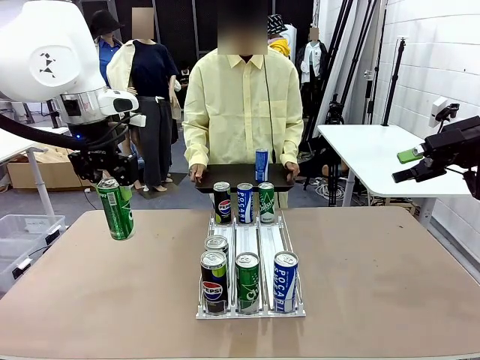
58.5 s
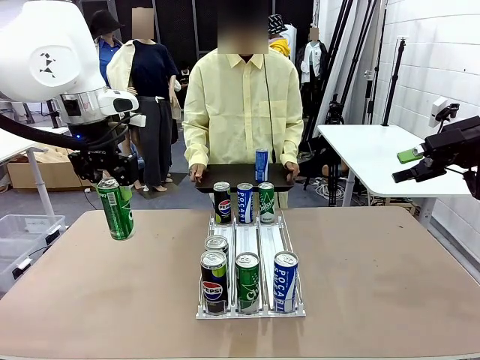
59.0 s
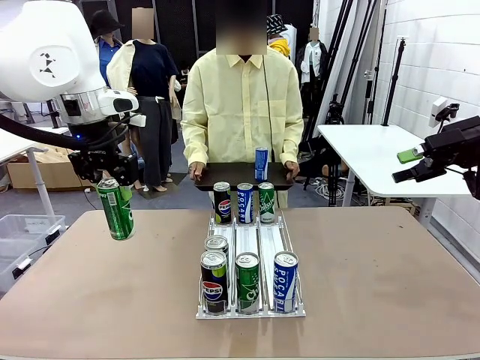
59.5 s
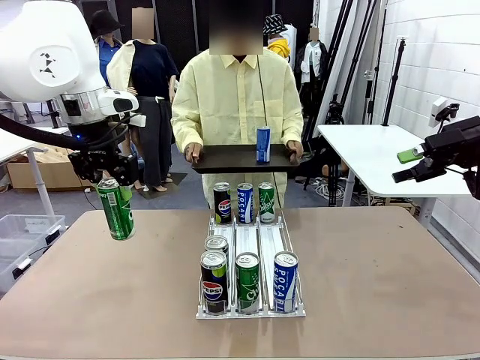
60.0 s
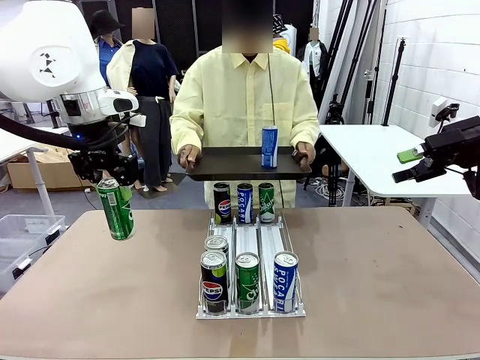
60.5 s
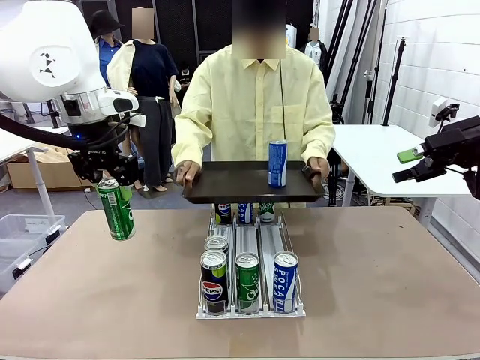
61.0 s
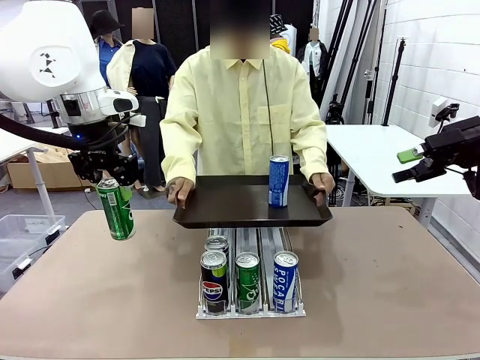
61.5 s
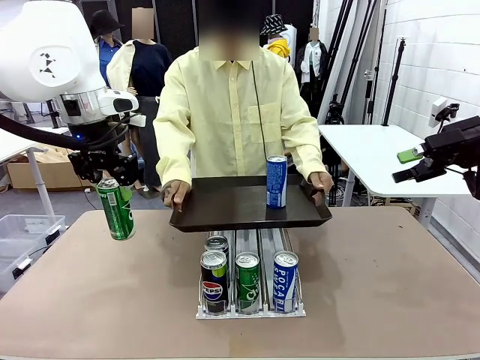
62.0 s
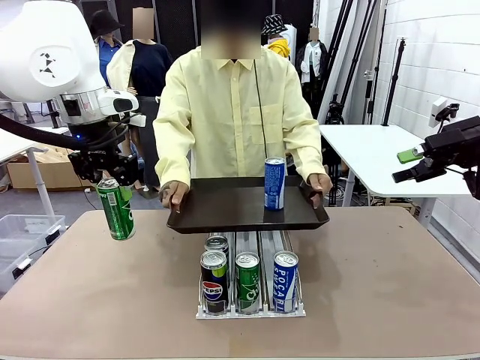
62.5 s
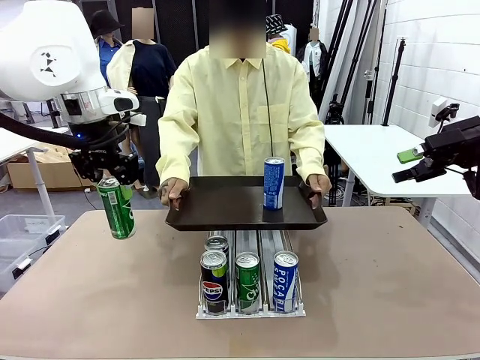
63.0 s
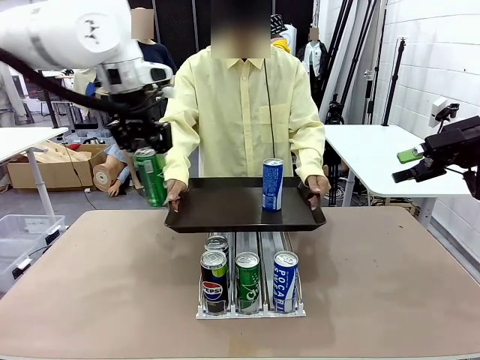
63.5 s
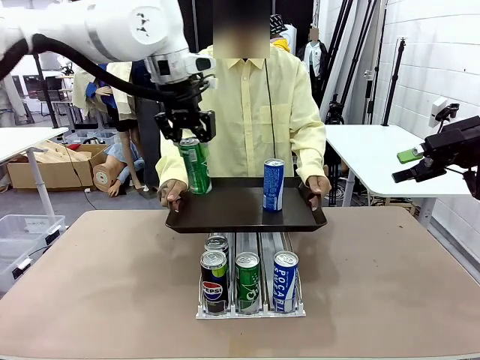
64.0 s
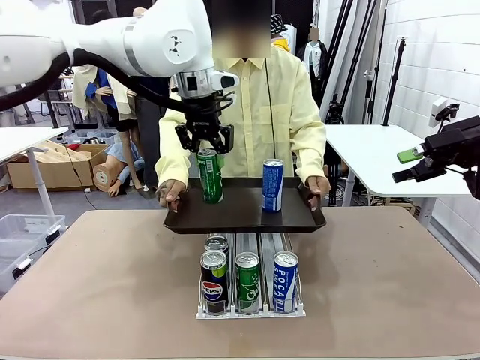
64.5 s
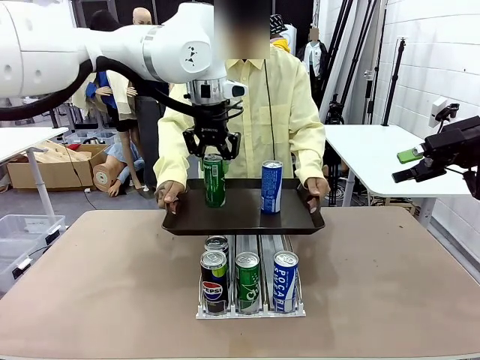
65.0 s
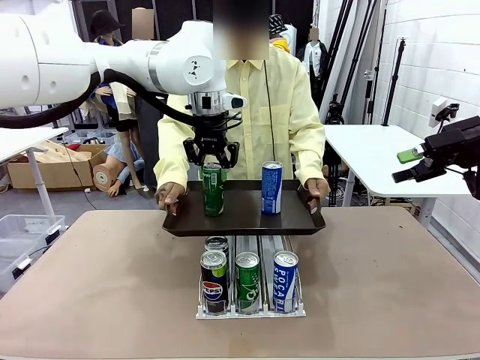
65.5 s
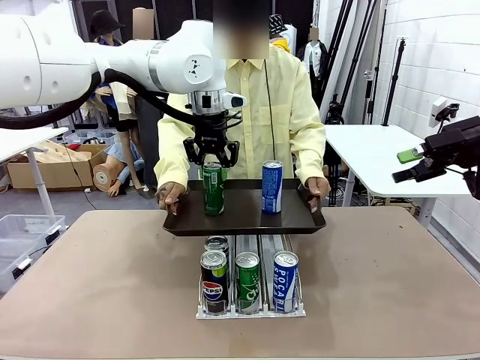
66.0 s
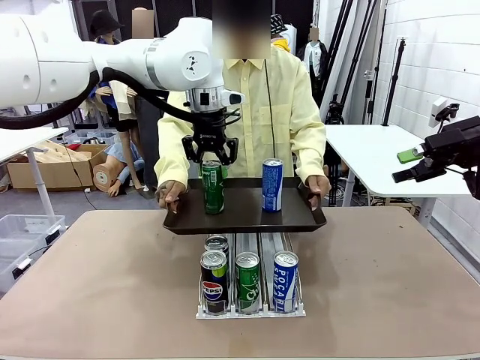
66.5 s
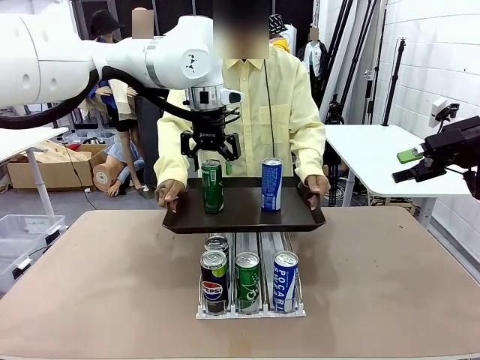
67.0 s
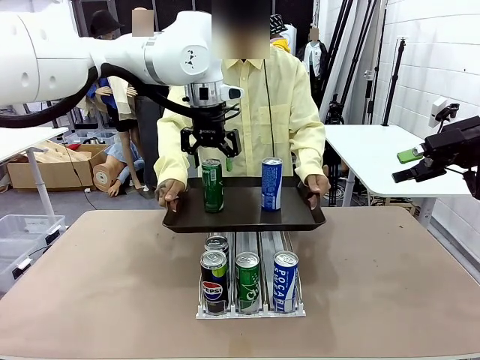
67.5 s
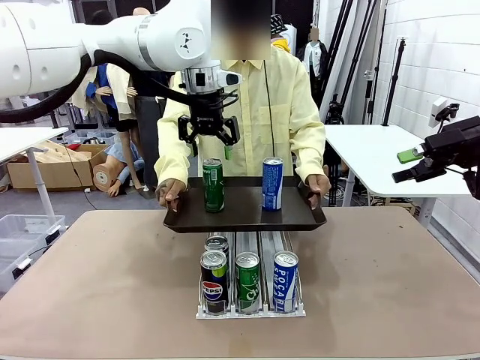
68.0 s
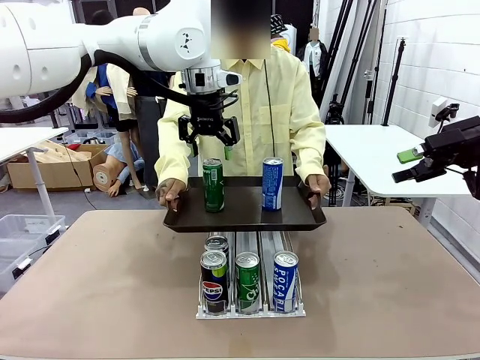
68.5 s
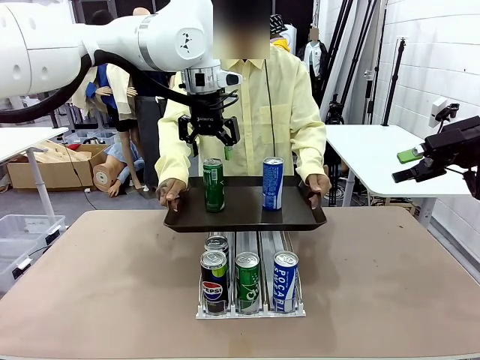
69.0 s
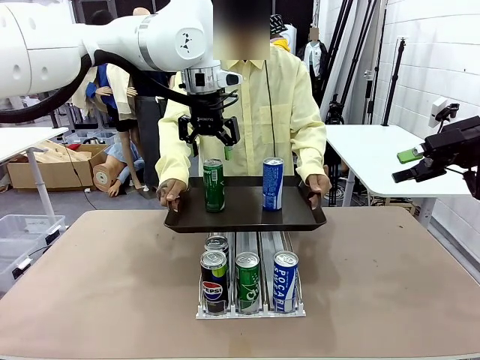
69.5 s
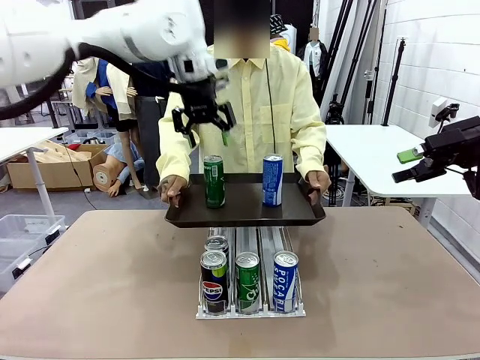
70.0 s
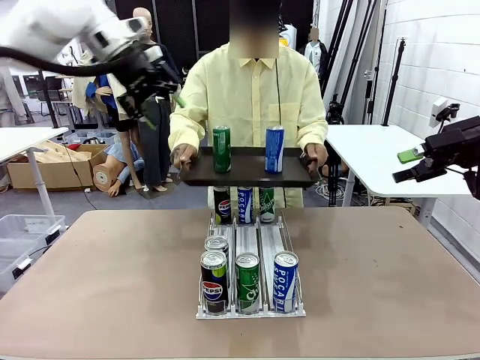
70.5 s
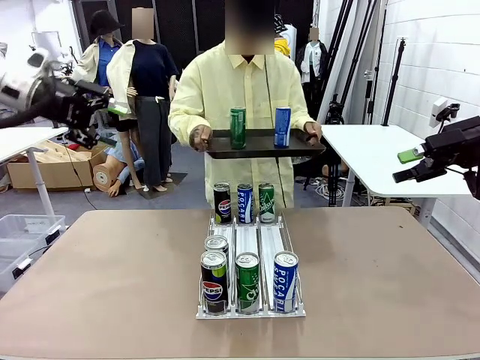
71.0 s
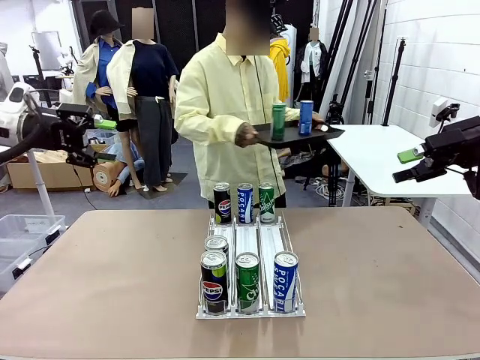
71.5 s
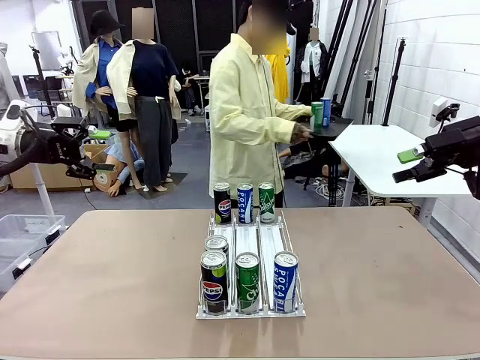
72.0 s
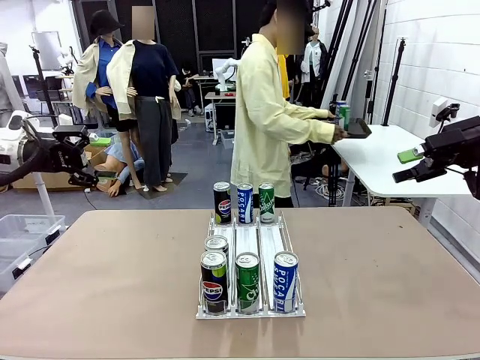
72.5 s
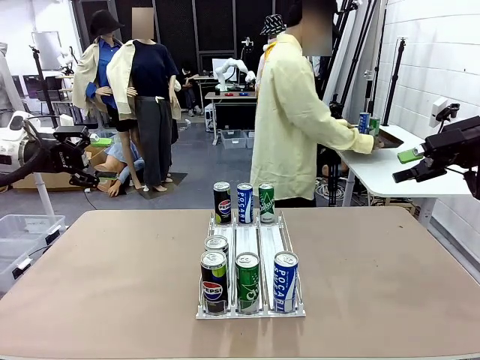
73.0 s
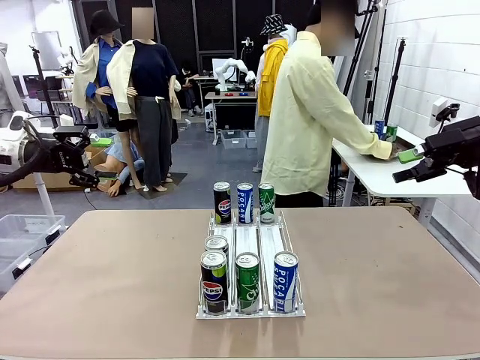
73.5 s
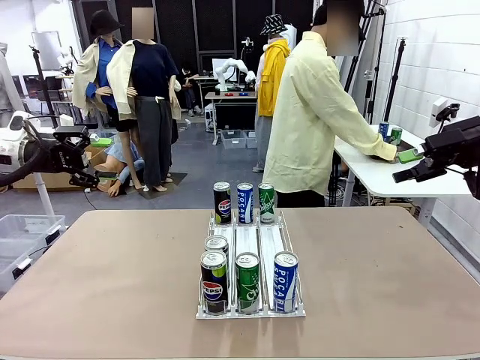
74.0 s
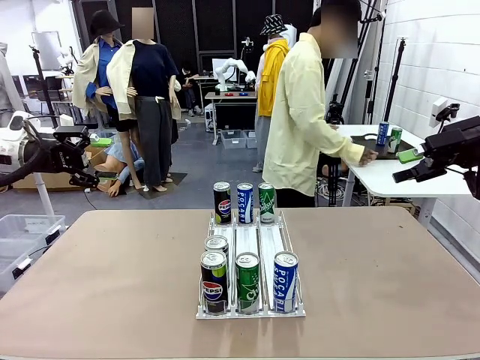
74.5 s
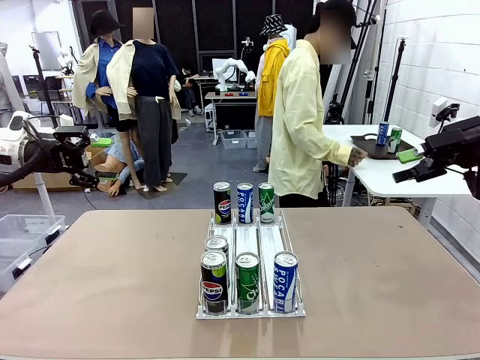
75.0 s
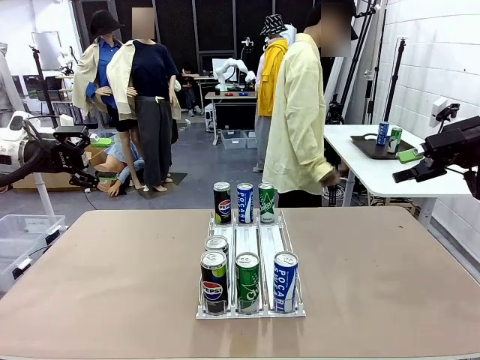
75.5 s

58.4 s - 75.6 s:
Task: Retrieve and hand over the desired beverage to the person.
Robot: Place the picked can on the Handle tray extended by the person.
Person: Pull the tray back and place it at the center of the human table.

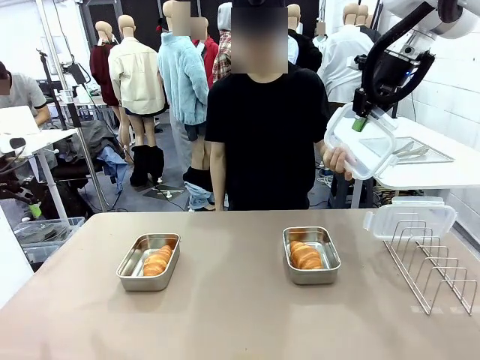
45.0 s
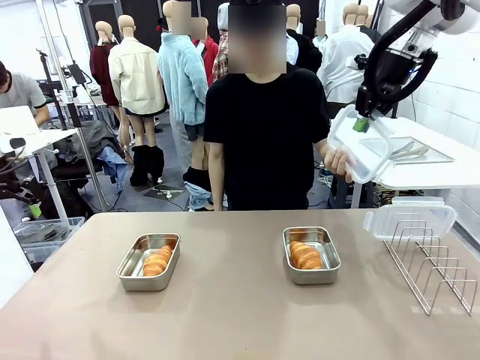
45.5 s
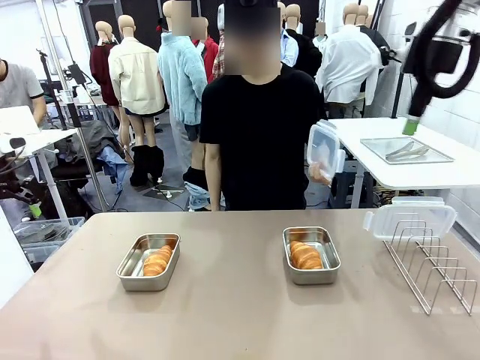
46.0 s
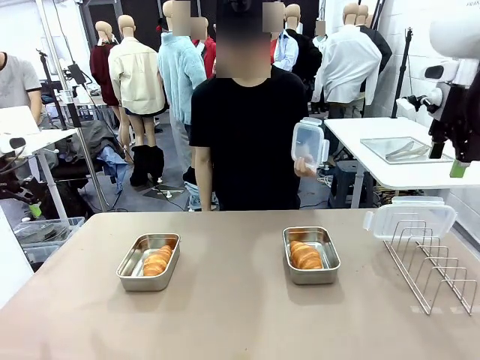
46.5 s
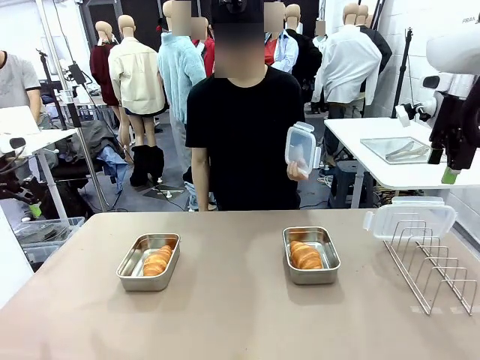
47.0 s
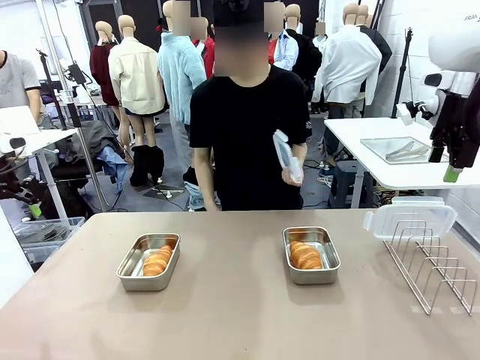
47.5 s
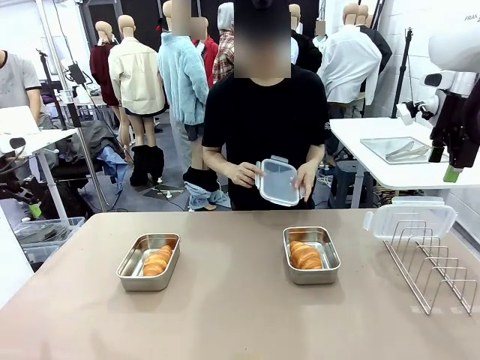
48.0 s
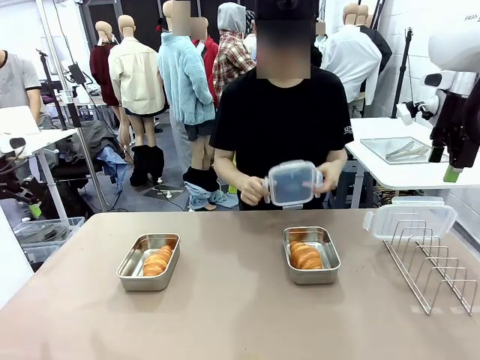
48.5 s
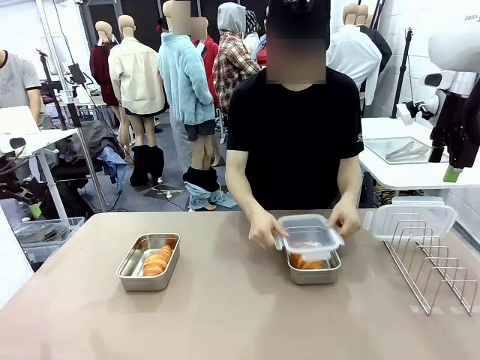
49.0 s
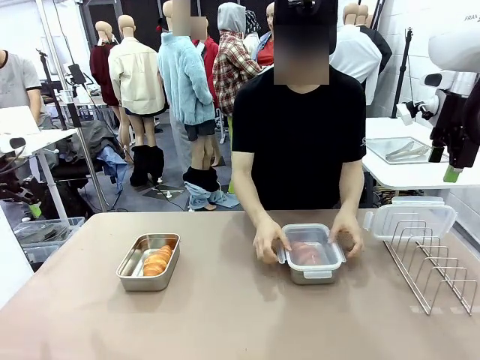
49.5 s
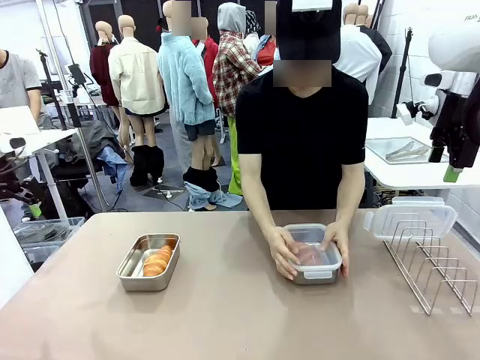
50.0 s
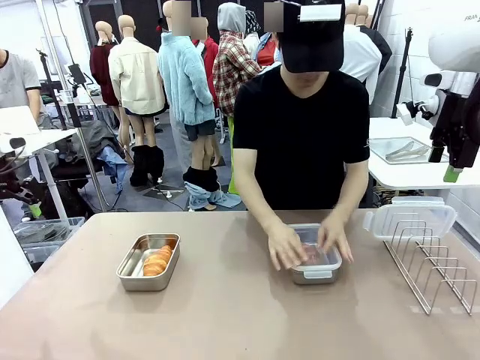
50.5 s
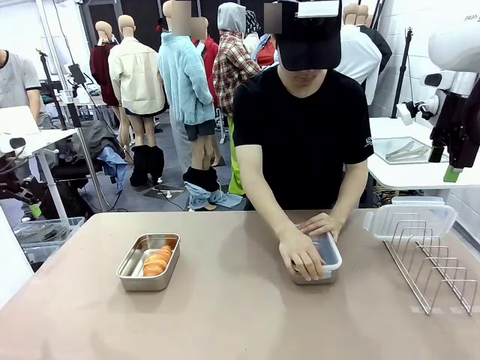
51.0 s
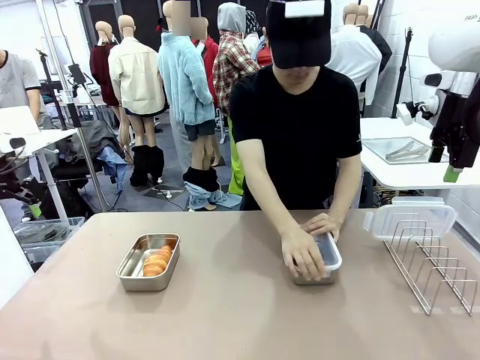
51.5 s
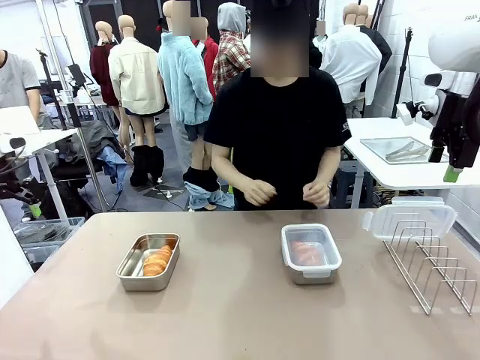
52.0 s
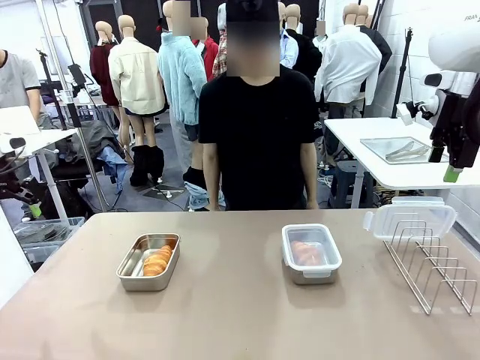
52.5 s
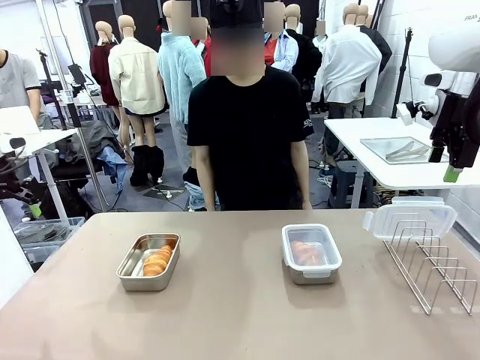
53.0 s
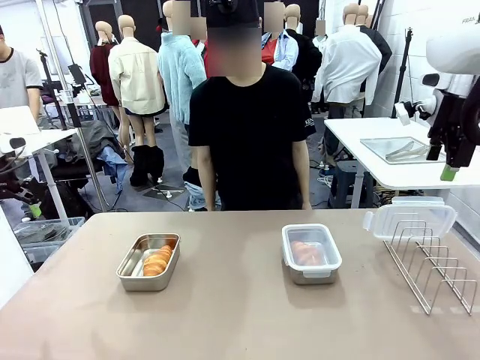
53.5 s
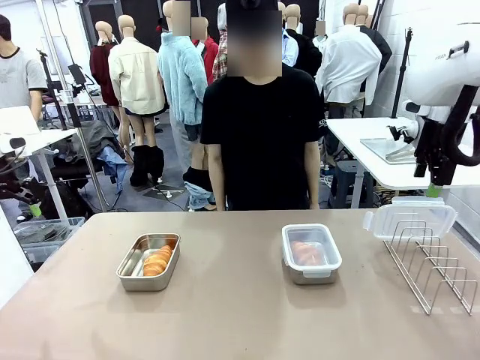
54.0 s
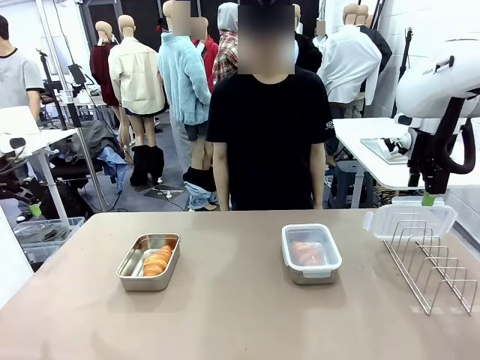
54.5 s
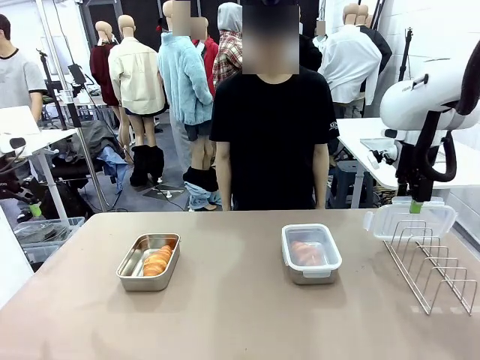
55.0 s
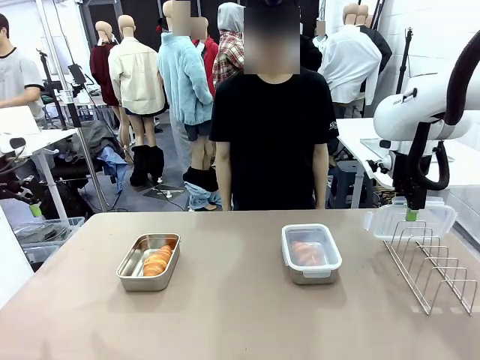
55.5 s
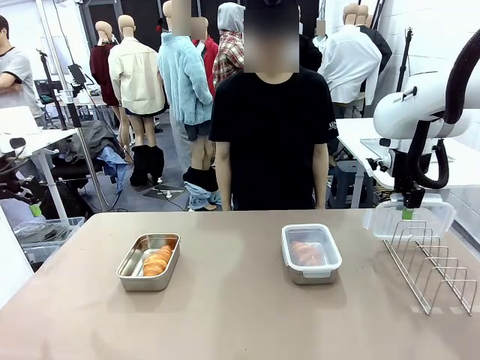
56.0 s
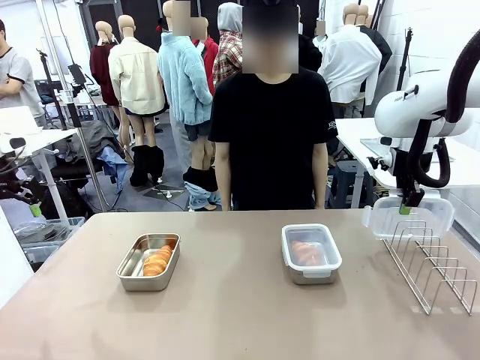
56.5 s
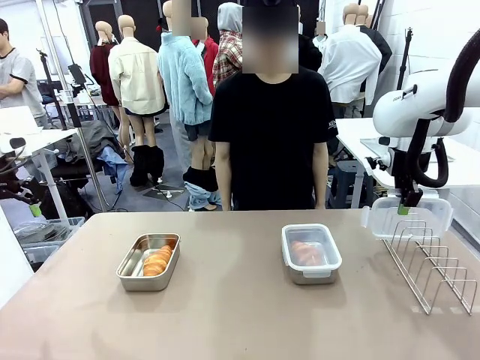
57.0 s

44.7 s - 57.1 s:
Task: Place the bread in airtight containers.
Robot: Pick up one Airtight Container lid and hand it to the human.
Person: Close Airtight Container with a handed Airtight Container lid.
